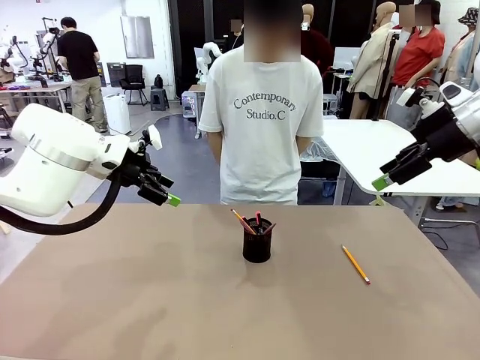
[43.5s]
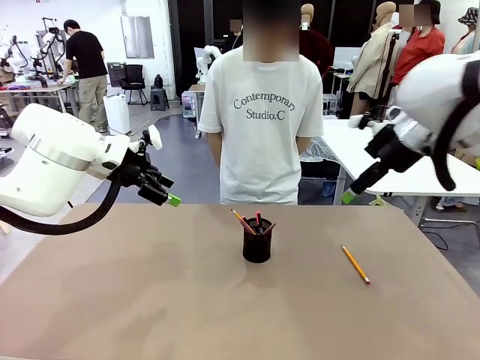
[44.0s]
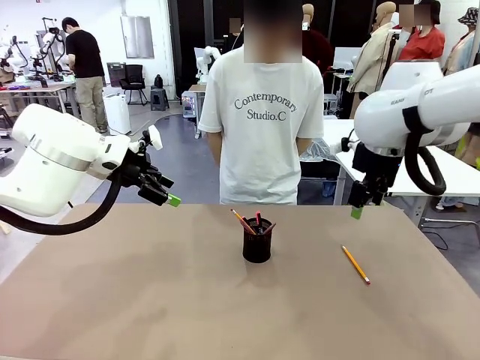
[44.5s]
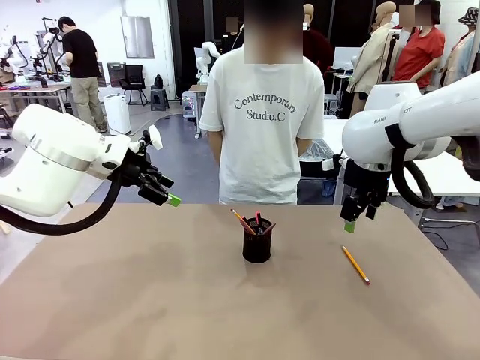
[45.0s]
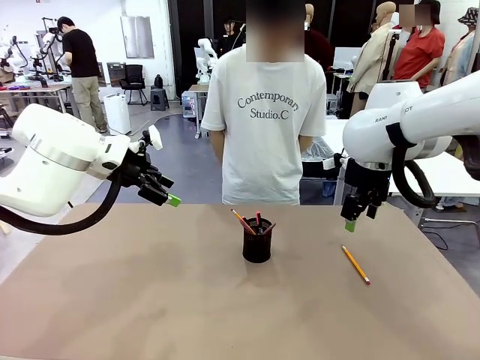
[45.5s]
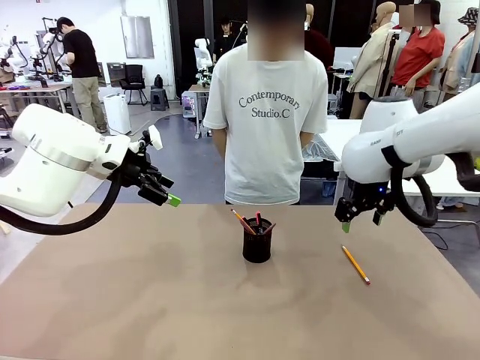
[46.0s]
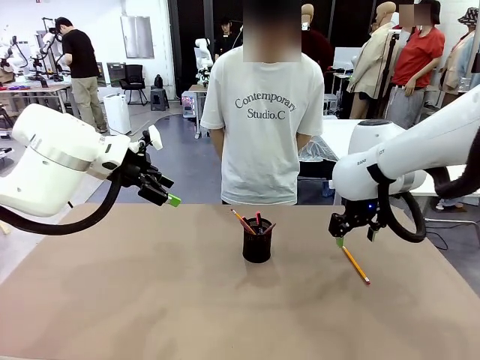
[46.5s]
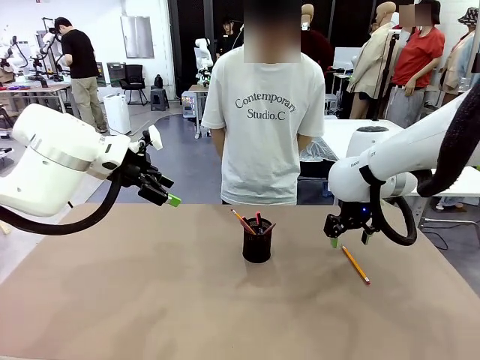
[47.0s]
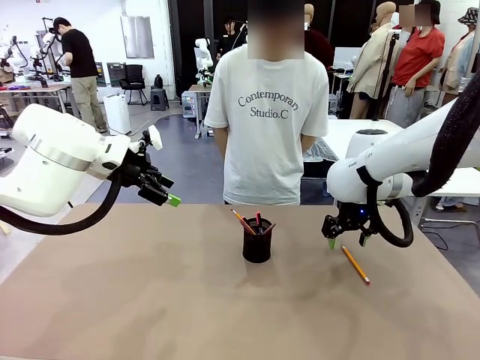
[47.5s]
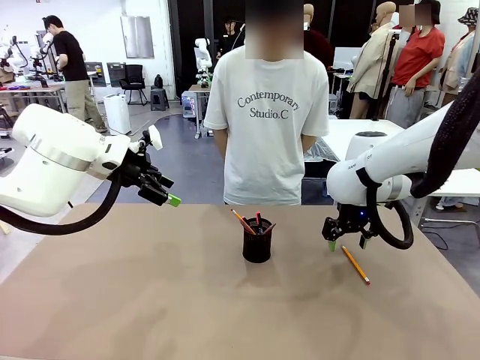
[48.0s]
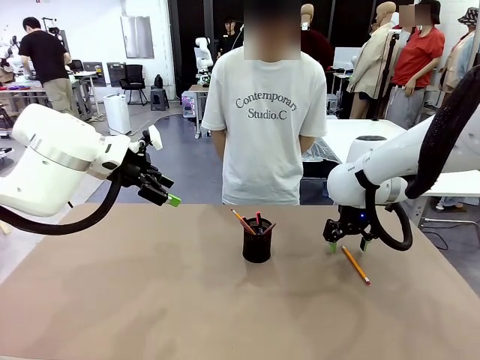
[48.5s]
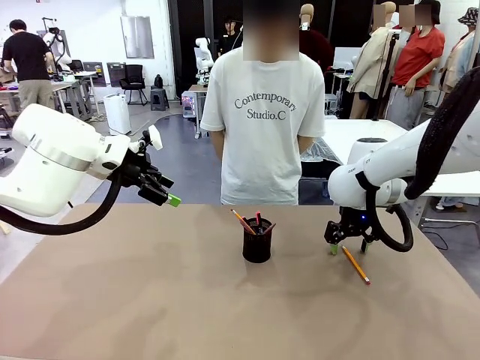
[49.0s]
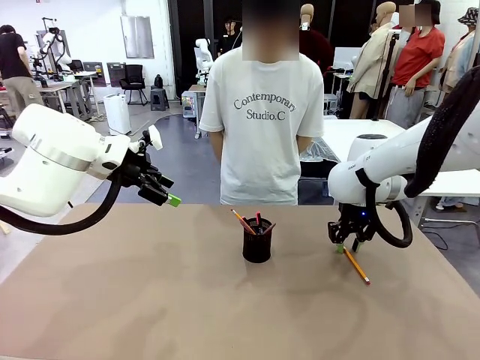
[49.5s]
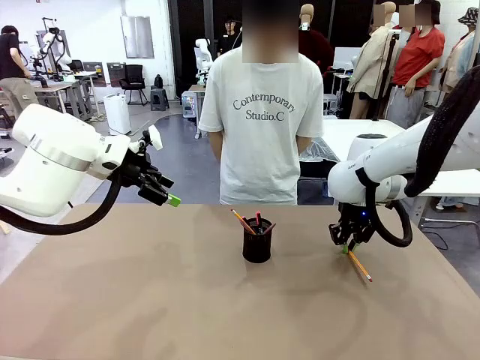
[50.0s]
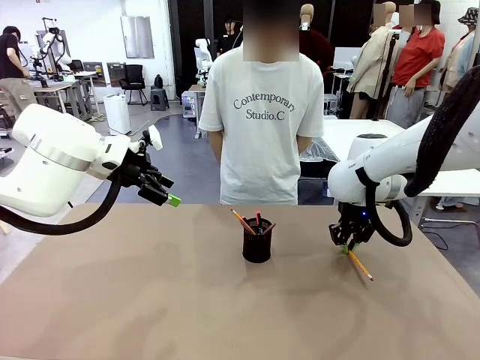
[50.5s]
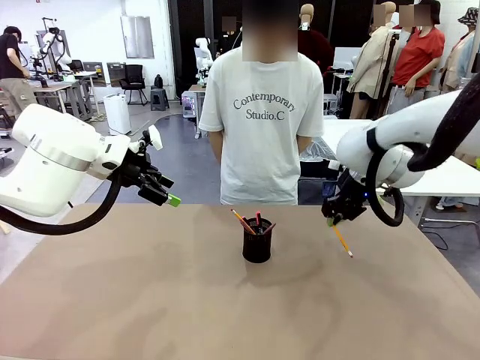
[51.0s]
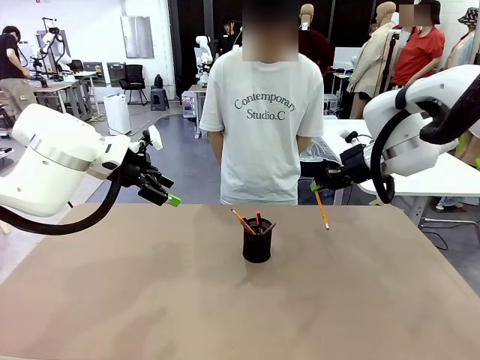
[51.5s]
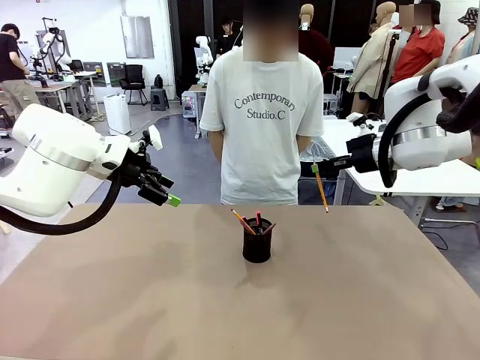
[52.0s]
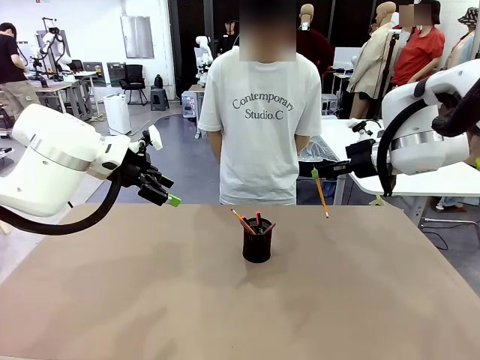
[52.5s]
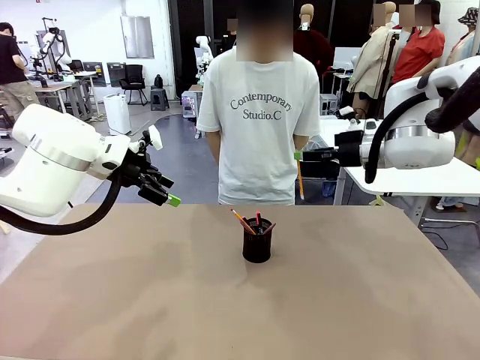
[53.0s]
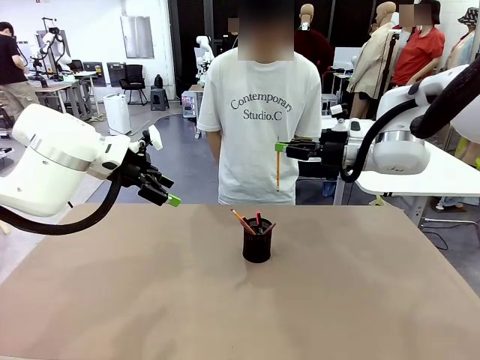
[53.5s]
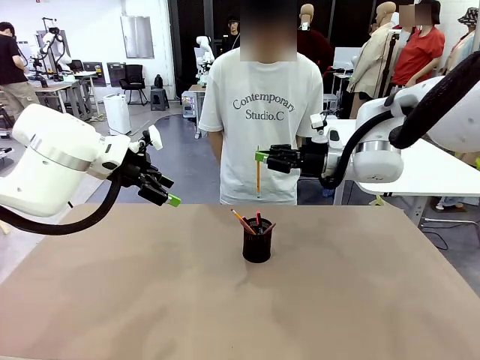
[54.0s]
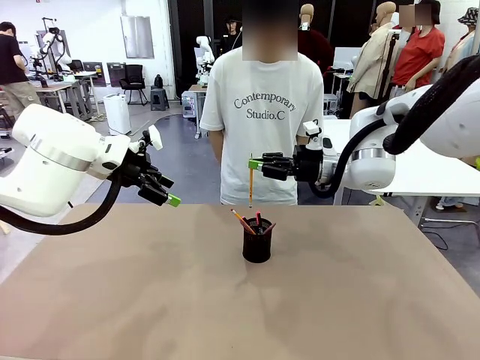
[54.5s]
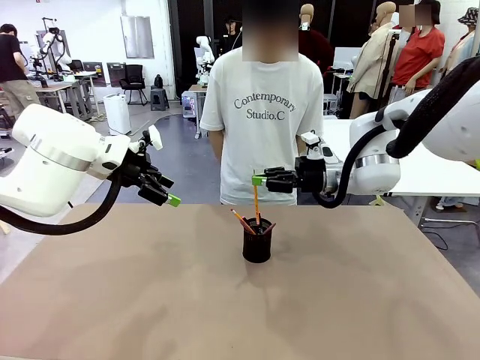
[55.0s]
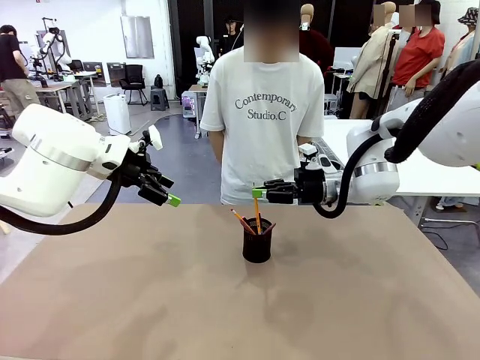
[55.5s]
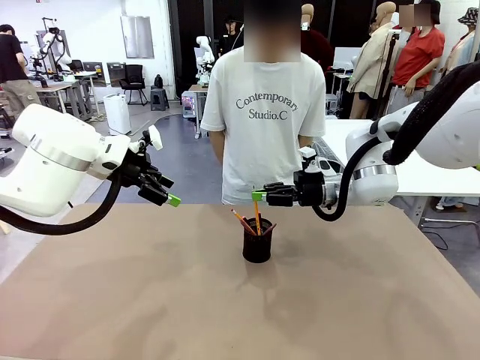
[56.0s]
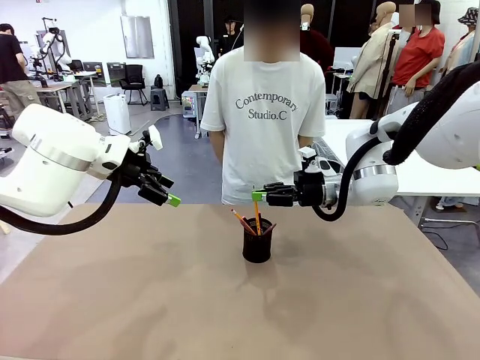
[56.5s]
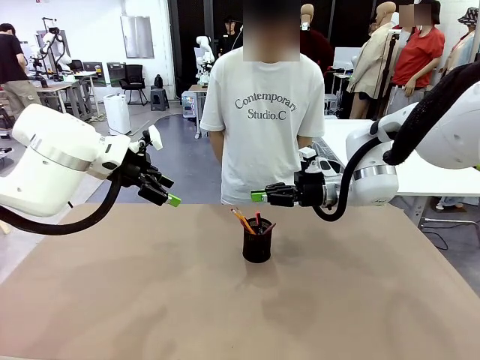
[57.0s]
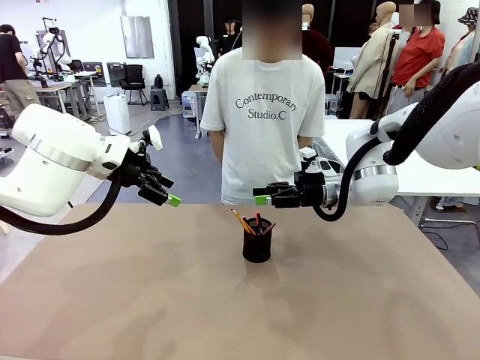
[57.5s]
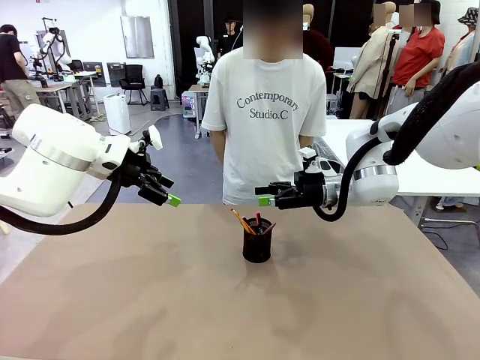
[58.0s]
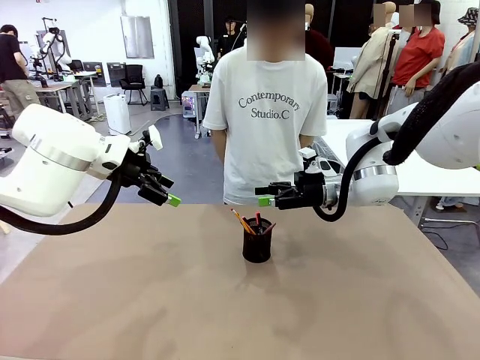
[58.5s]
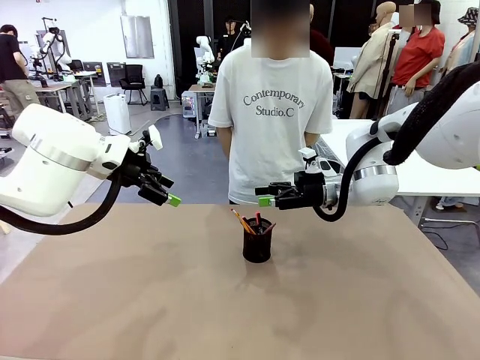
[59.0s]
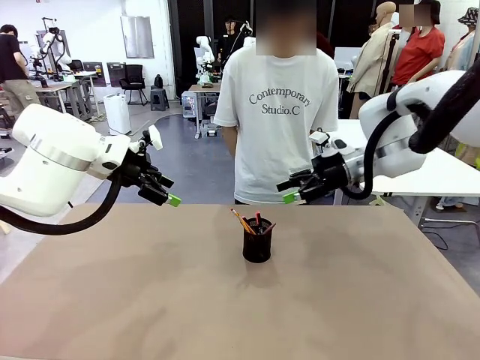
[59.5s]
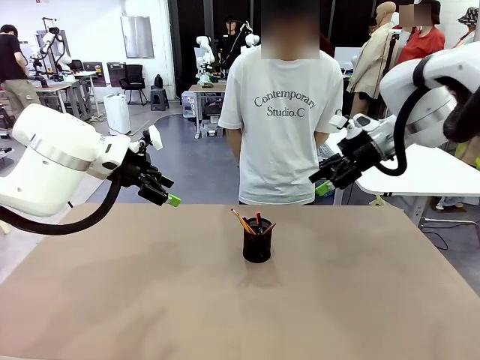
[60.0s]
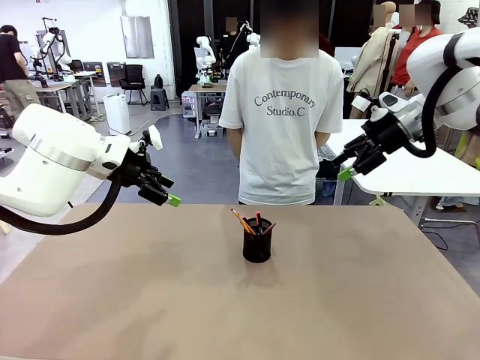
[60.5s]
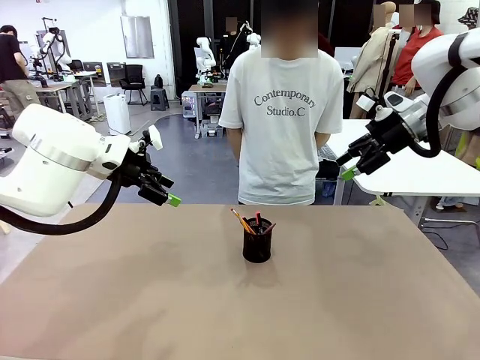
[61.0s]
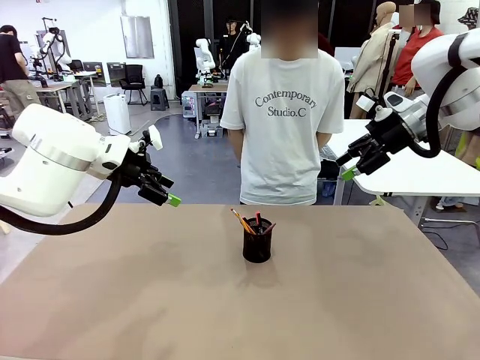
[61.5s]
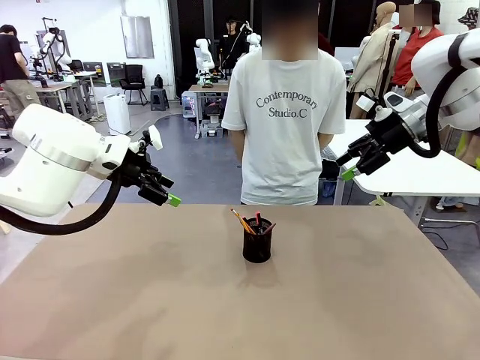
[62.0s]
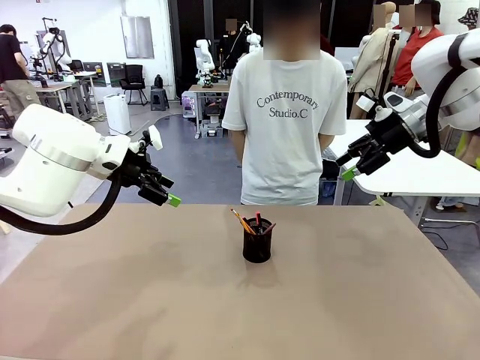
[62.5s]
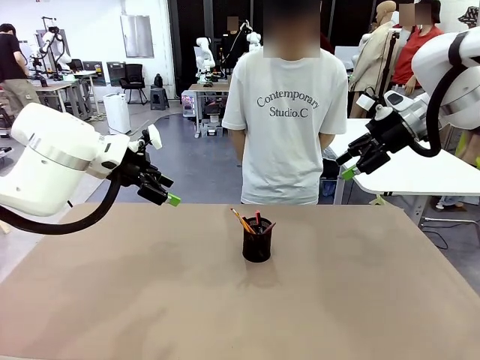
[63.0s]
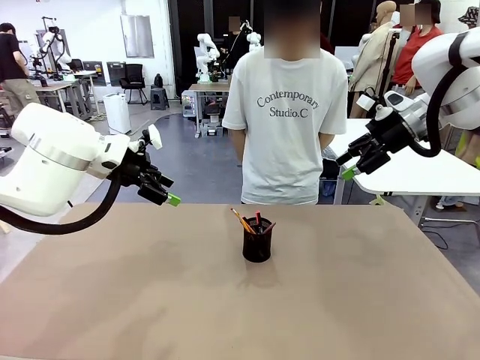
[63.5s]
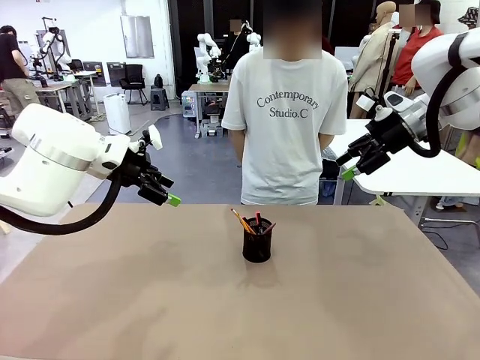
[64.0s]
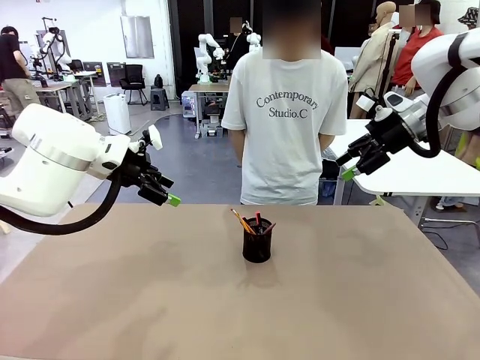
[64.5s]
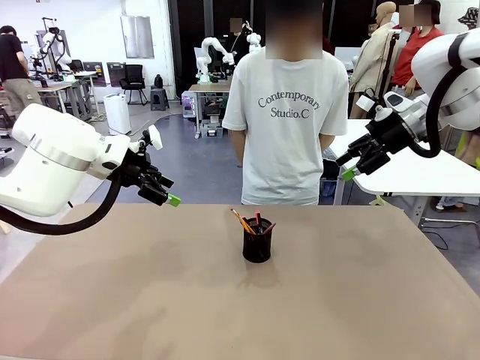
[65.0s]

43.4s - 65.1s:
Task: Place the pens into the pen holder.
Robot: Pick up a writing instrument from the table and place it into the Pen holder.
